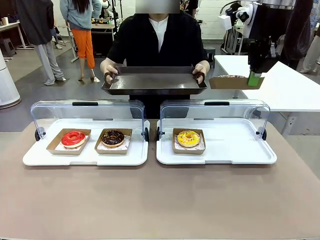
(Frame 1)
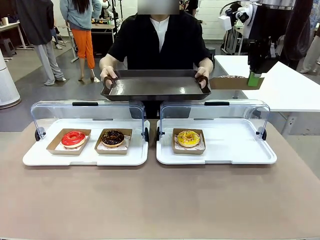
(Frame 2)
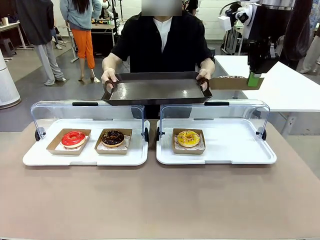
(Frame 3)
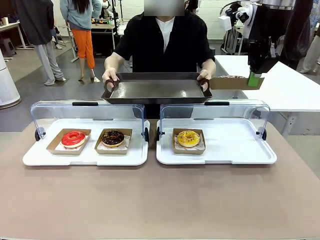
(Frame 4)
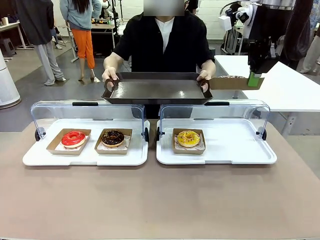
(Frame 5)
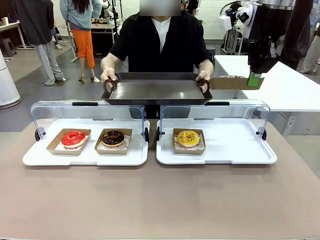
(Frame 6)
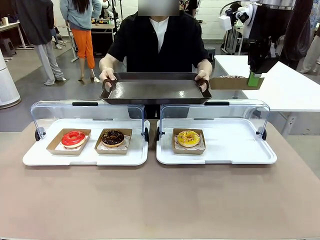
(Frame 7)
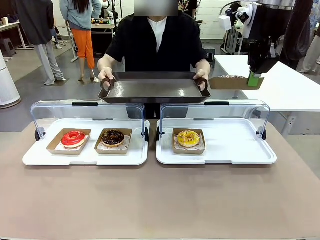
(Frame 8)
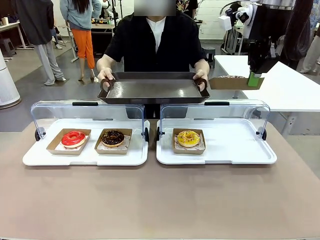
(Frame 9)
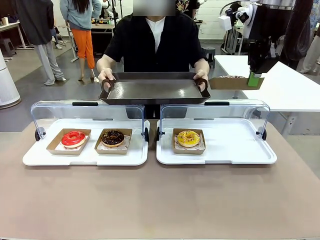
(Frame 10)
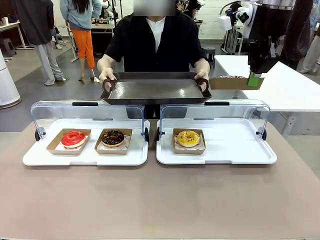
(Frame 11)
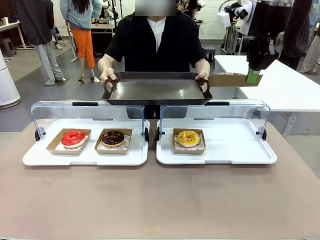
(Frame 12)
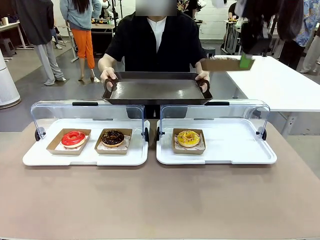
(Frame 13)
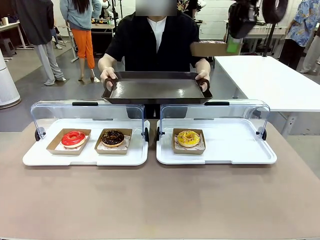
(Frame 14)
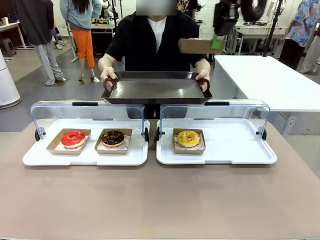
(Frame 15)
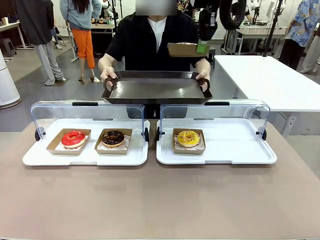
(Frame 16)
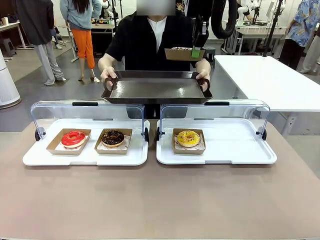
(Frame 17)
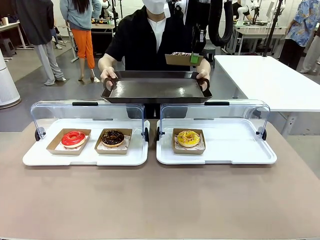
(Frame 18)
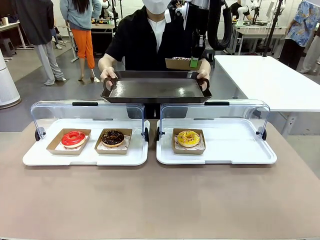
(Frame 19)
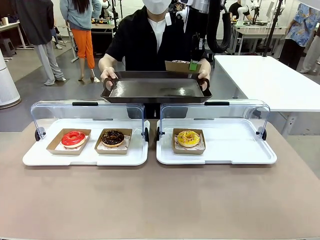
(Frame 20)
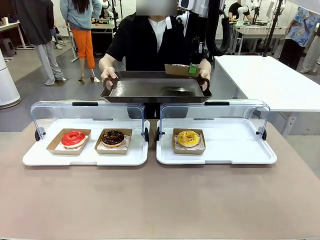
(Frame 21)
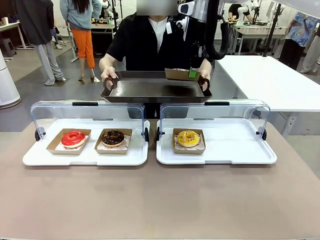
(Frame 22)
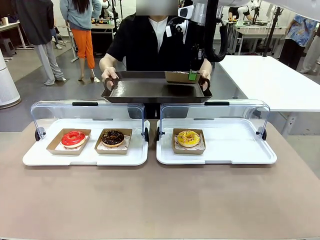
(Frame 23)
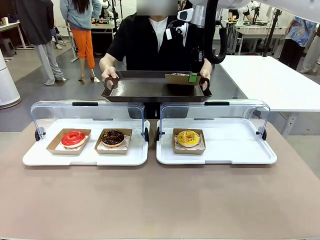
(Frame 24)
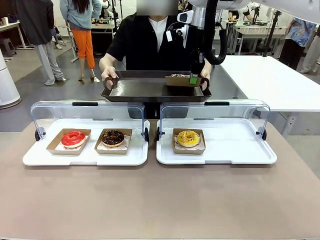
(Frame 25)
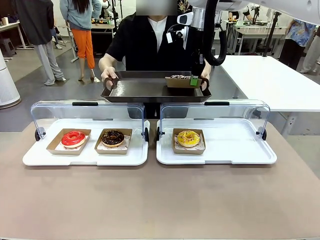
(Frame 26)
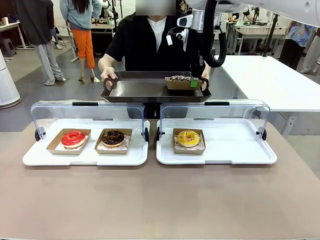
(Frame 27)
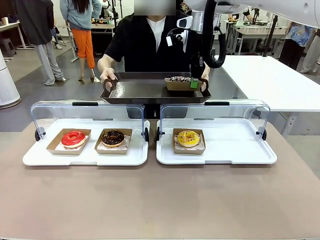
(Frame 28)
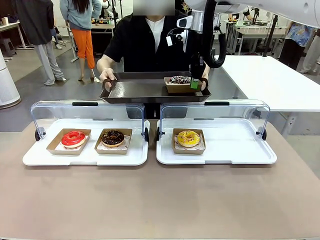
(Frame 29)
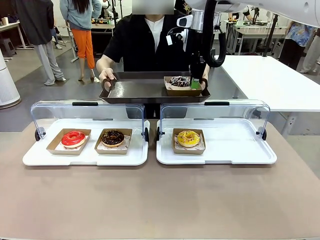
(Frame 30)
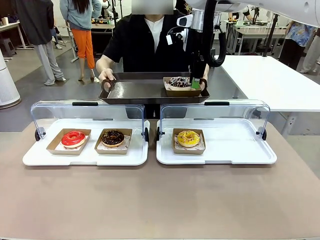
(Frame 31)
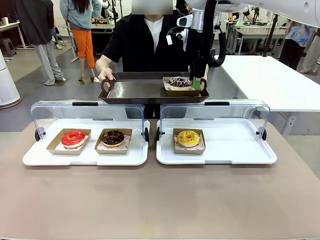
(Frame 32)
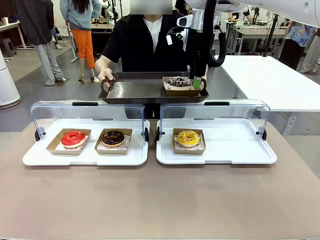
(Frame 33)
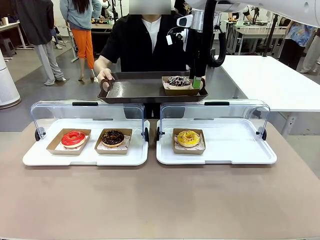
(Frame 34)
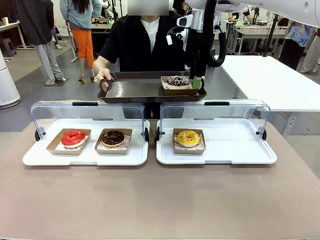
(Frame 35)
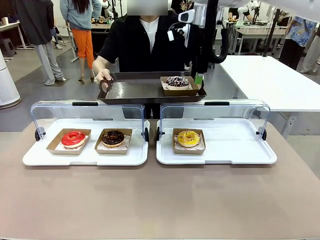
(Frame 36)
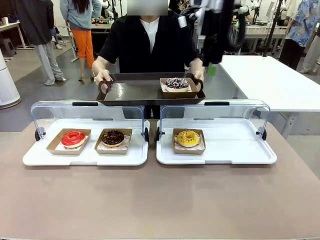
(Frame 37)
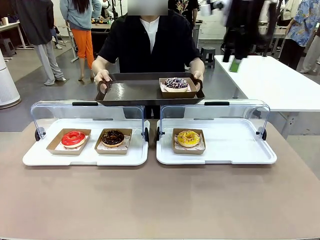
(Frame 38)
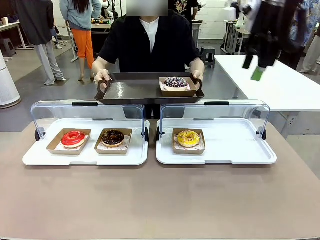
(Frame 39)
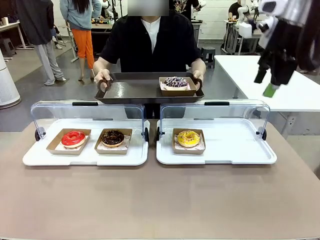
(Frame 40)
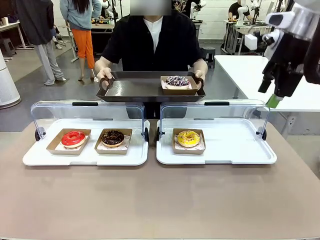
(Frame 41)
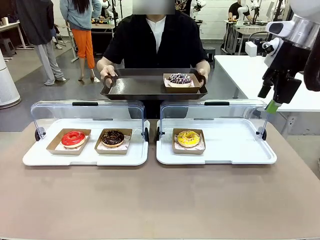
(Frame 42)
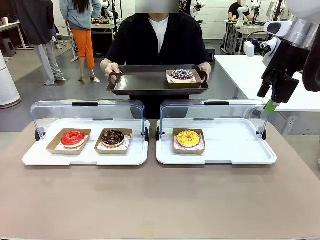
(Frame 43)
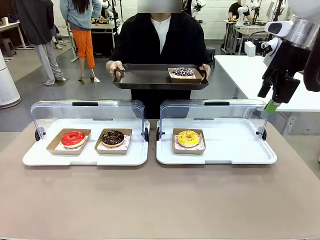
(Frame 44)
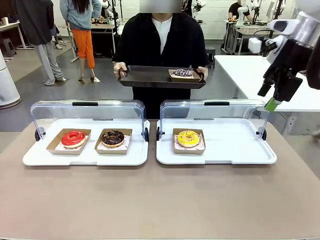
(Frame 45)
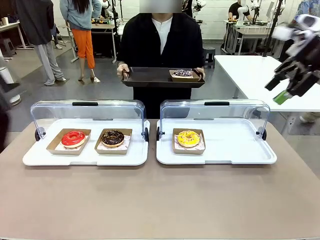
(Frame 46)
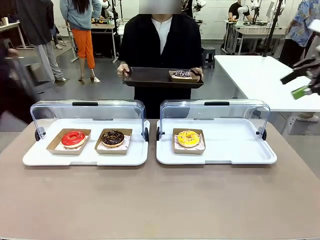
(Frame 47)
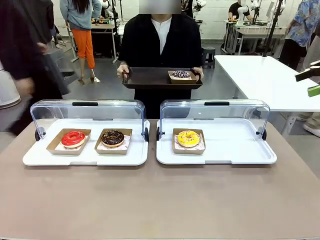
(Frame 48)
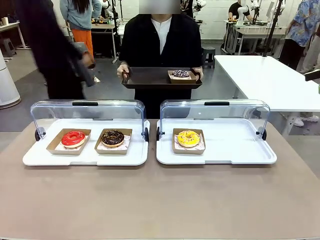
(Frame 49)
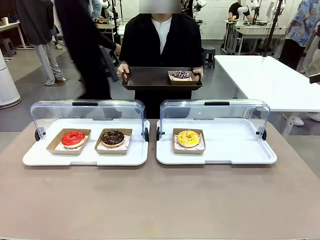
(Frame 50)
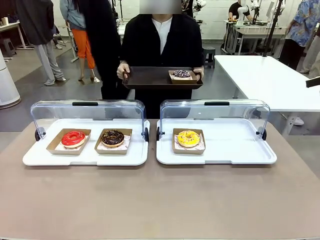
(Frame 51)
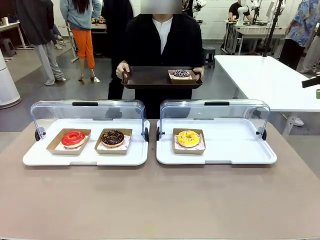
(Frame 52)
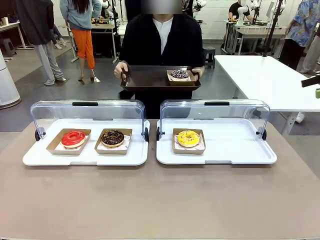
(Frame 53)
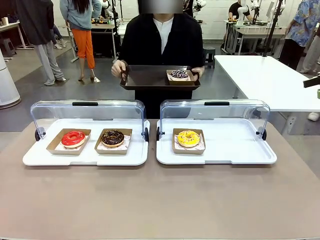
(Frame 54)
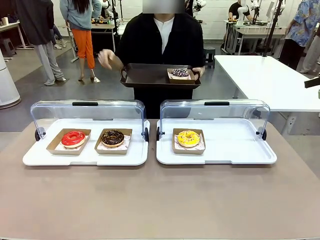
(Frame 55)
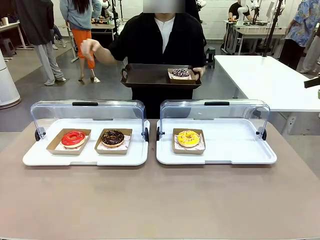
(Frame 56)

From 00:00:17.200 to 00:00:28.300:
Task: Provide the desired donut to the person.
Robot: Place the picked Paper togo box onto the Handle tray extended by the person.
Person: Point to one donut.

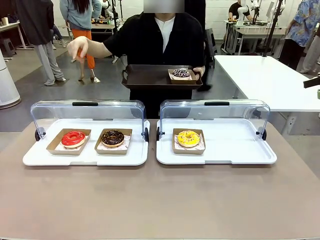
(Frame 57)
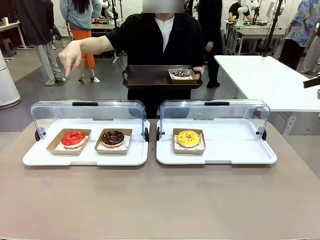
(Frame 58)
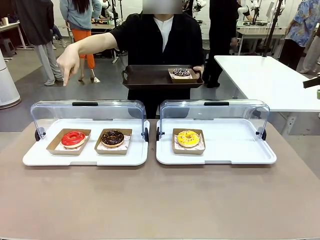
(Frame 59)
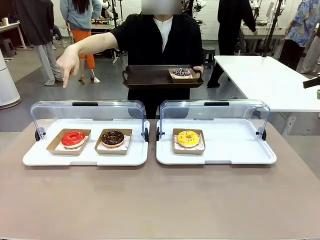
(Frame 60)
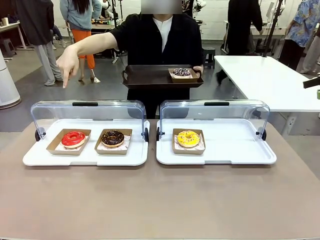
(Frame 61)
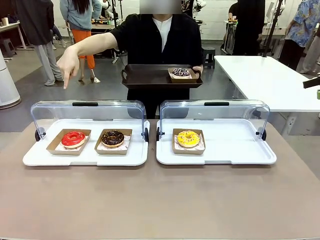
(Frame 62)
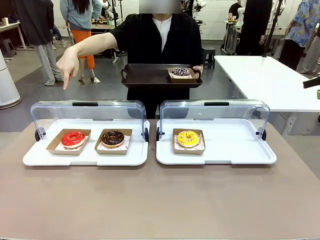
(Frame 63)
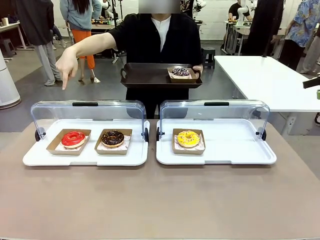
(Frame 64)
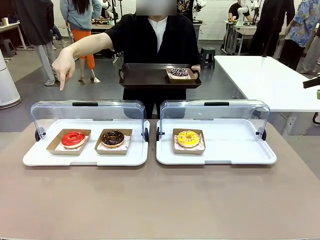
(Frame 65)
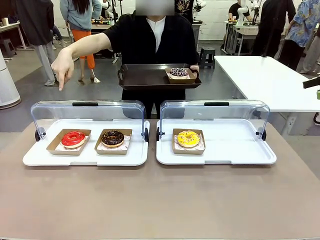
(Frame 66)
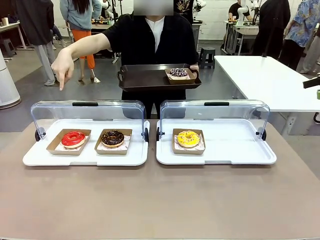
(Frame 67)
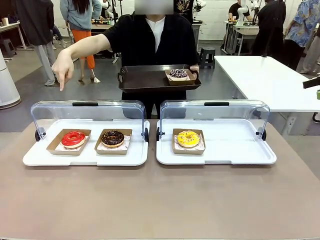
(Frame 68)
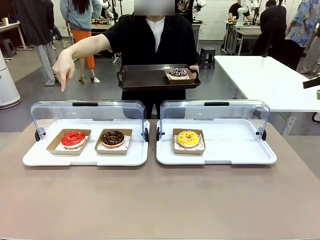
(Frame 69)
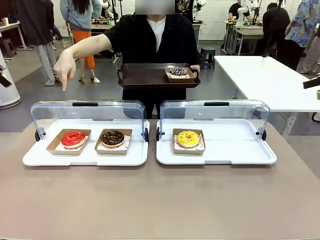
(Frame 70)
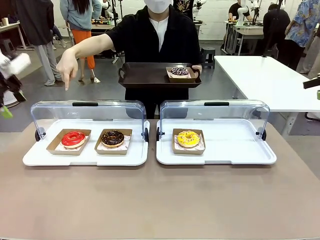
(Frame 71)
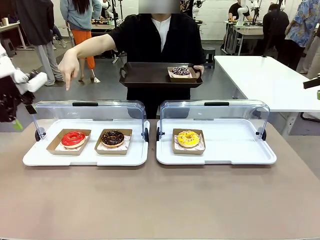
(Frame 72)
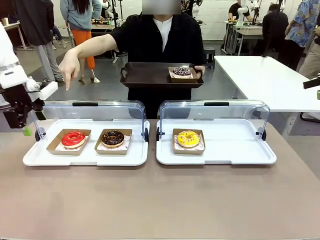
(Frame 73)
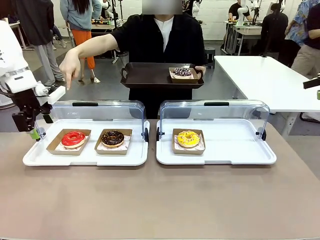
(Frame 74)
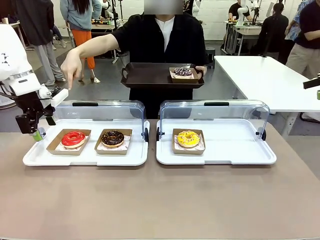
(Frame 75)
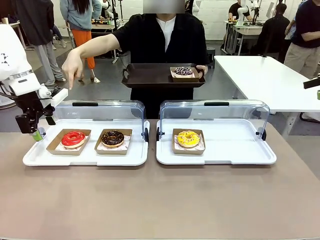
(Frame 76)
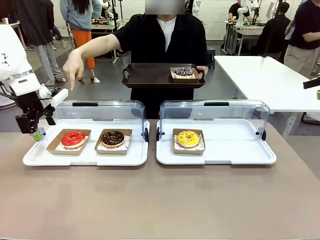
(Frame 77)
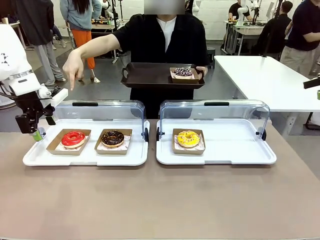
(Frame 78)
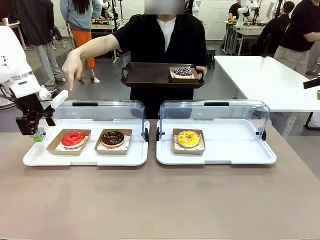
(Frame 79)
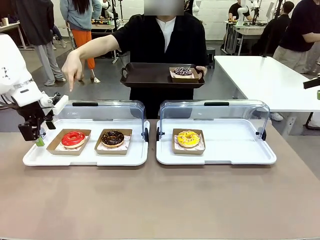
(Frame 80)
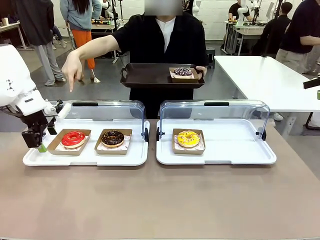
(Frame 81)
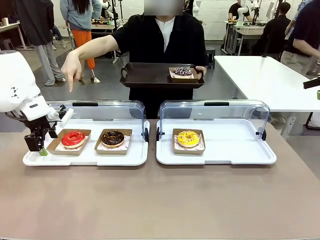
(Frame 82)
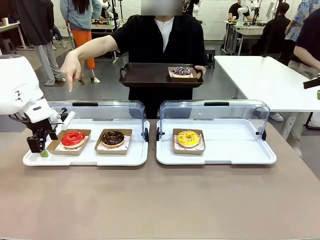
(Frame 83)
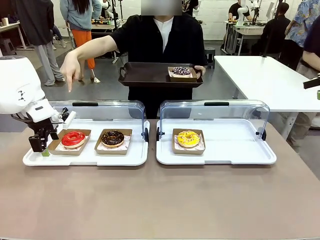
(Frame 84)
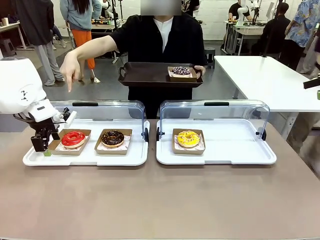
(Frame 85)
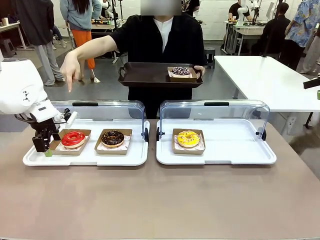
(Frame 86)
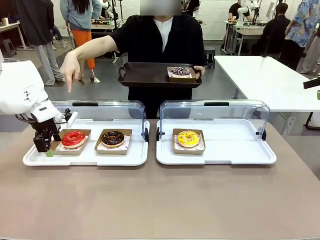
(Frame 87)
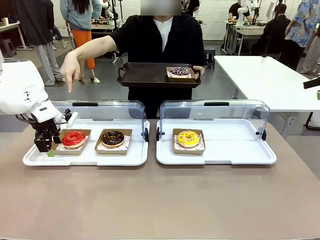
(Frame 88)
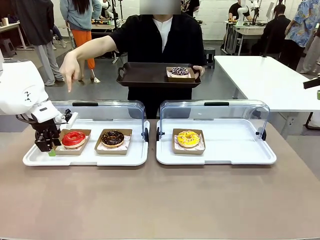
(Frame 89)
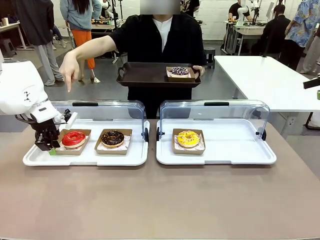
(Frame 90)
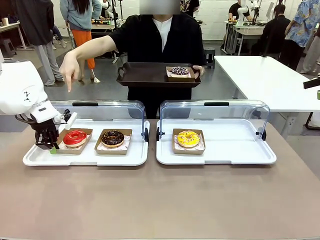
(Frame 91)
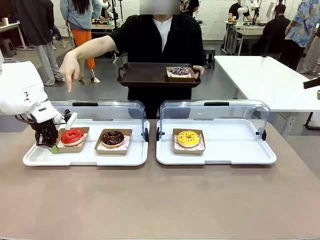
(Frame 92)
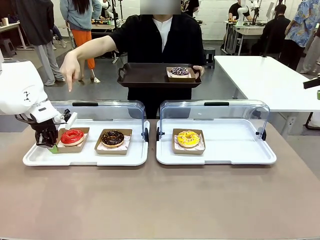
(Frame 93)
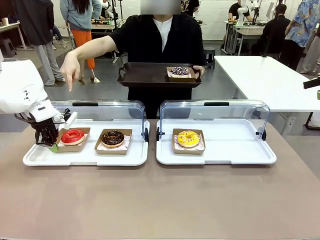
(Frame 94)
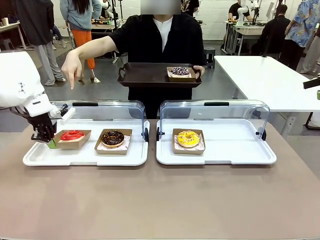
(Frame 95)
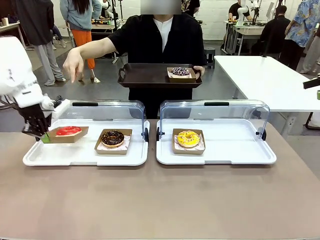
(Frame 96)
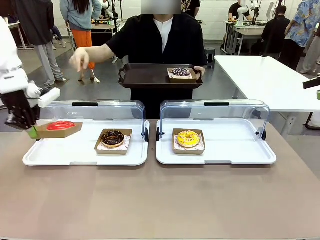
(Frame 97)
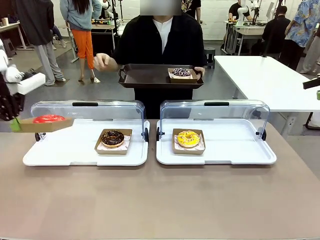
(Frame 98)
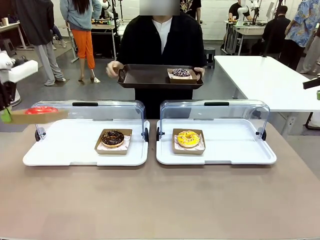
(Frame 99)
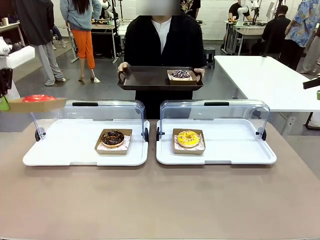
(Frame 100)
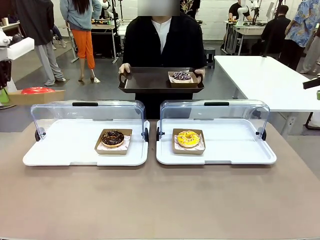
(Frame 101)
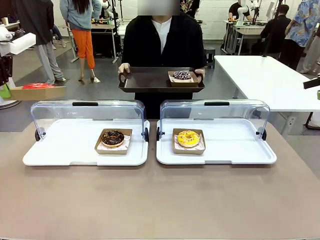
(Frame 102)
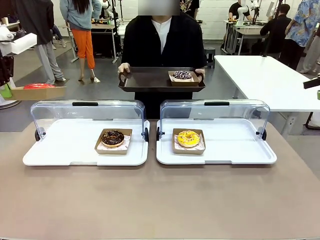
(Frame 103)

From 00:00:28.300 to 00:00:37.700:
Robot: Pick up and lift the Paper togo box containing the Donut pointed at by the person.
